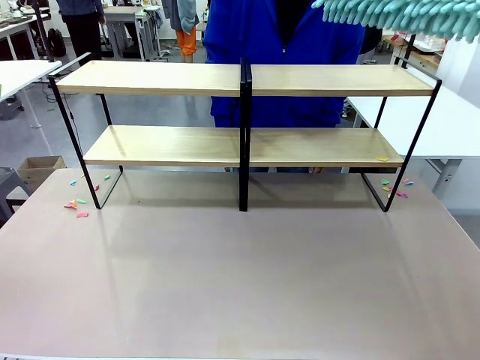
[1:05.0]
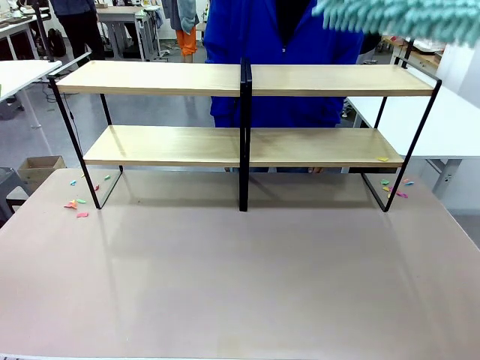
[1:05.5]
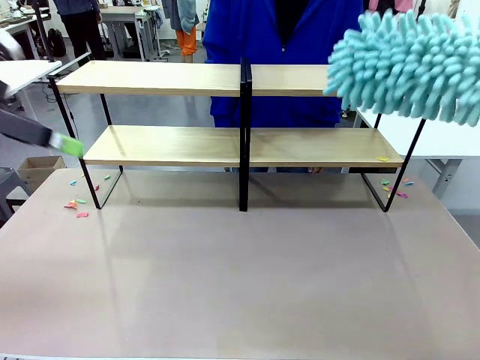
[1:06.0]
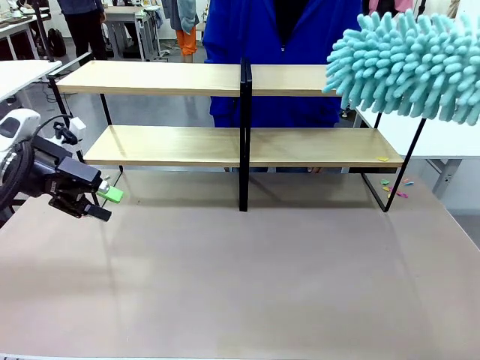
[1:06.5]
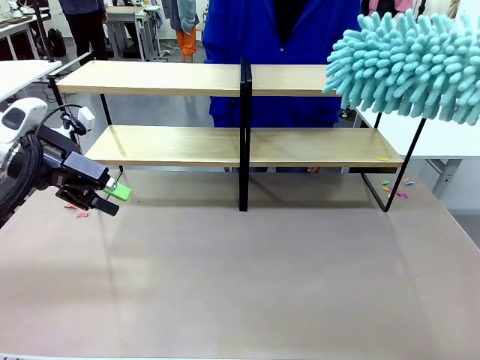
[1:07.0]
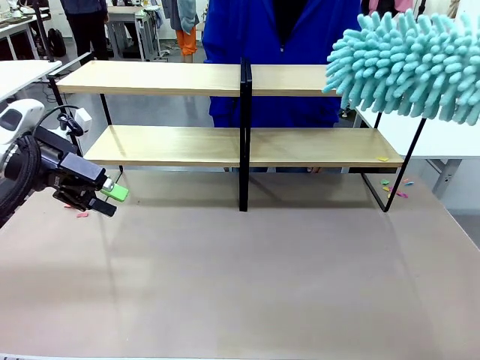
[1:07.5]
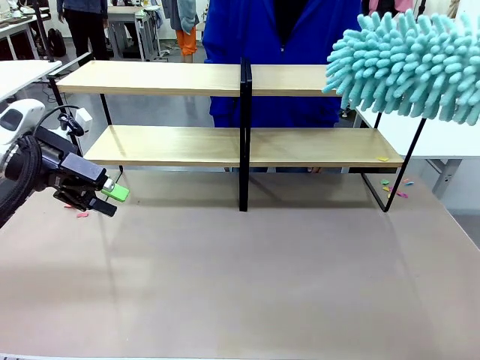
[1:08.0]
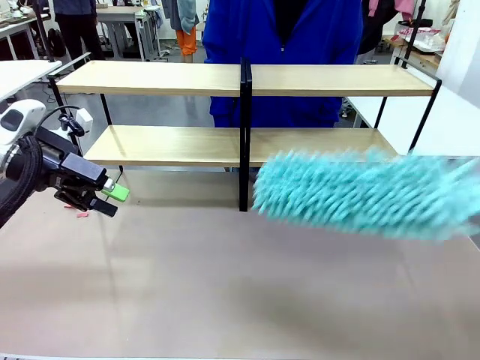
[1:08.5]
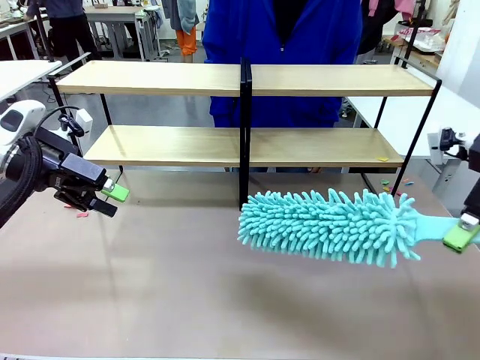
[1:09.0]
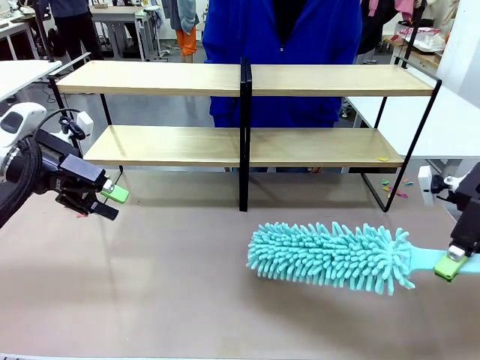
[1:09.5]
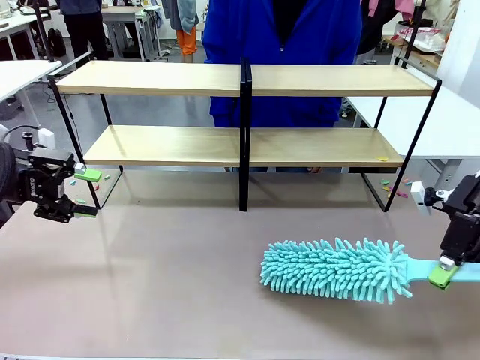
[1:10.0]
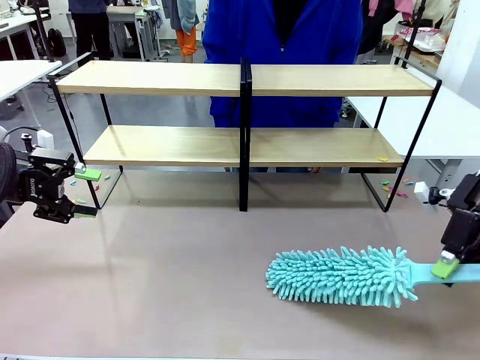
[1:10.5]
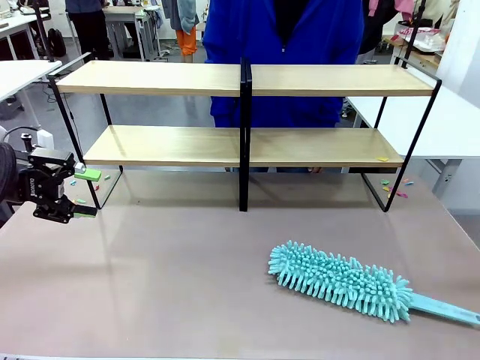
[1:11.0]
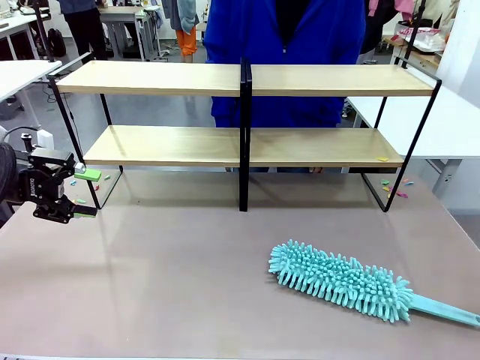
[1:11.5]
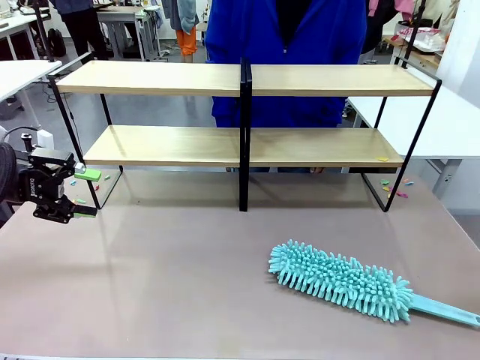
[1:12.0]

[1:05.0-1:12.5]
Task: Clean the shelves.
Robot: Place the Duster on the table.

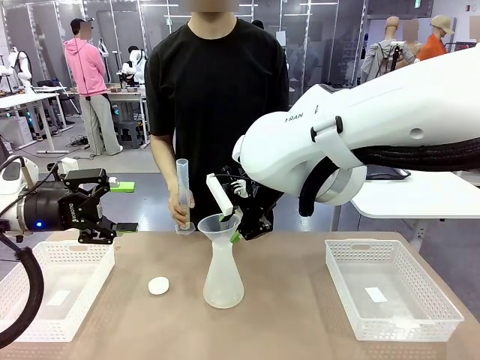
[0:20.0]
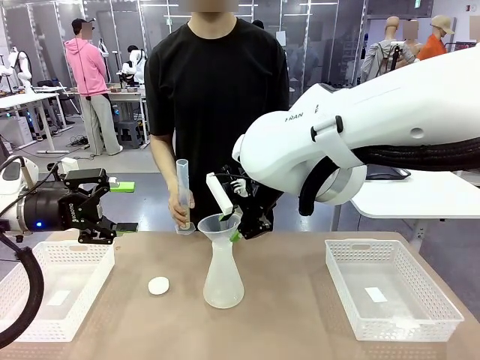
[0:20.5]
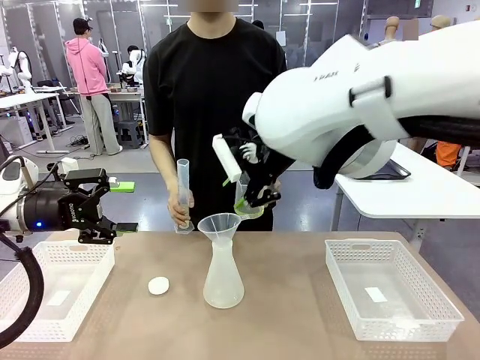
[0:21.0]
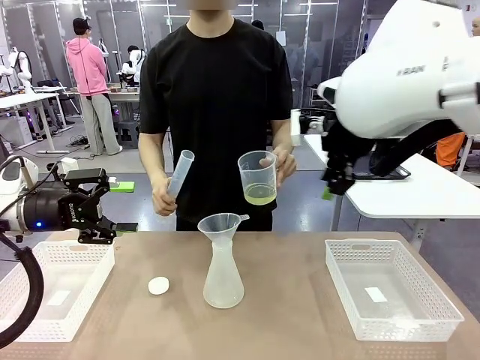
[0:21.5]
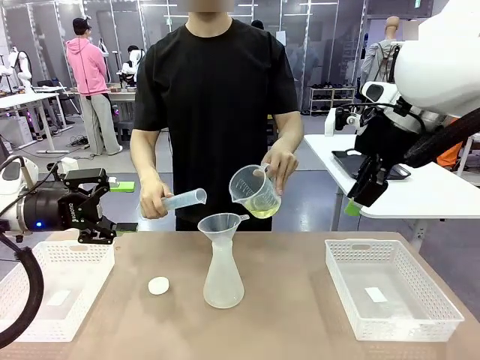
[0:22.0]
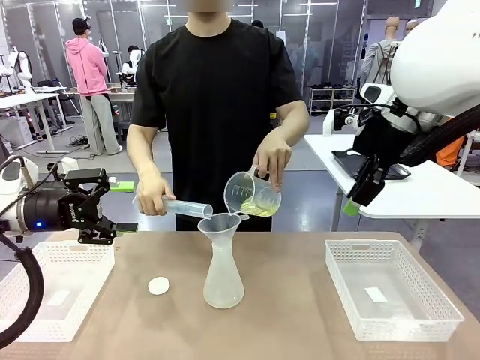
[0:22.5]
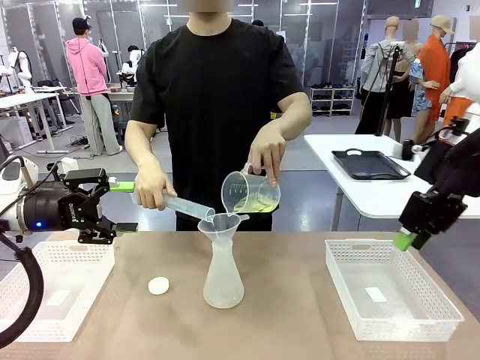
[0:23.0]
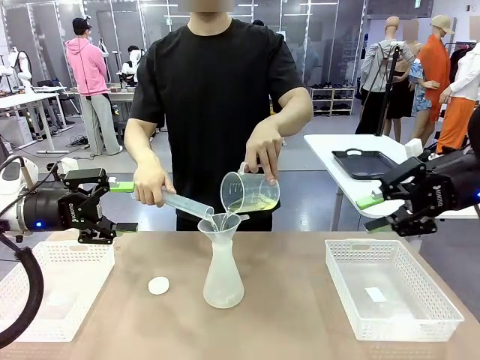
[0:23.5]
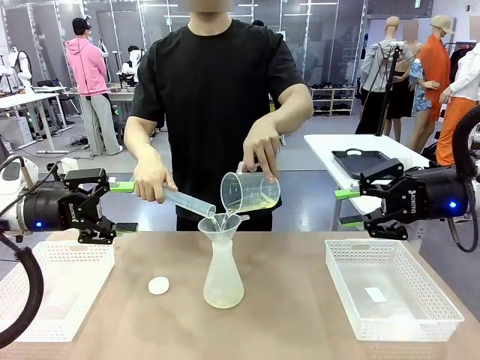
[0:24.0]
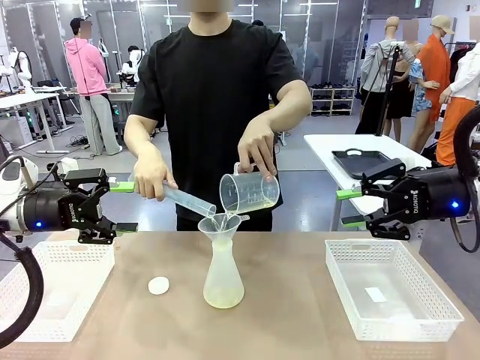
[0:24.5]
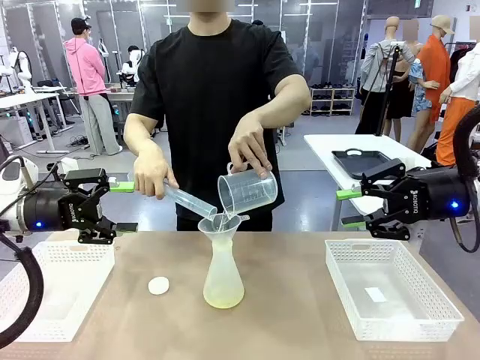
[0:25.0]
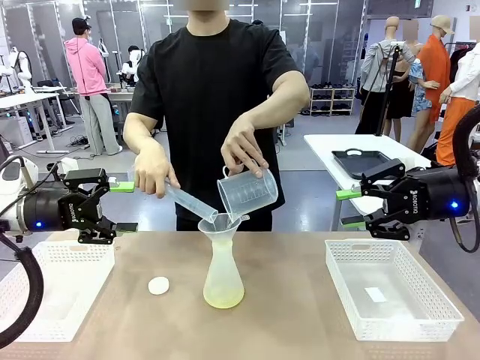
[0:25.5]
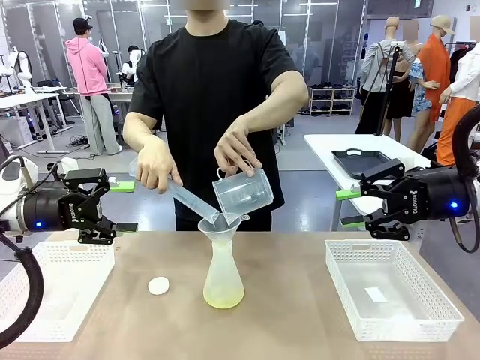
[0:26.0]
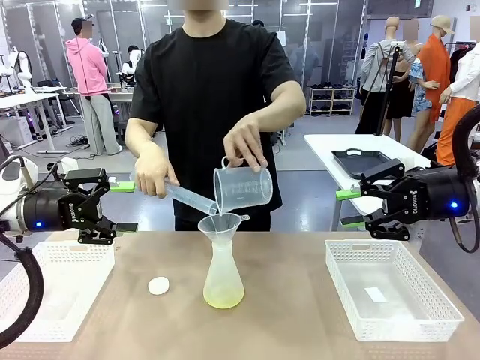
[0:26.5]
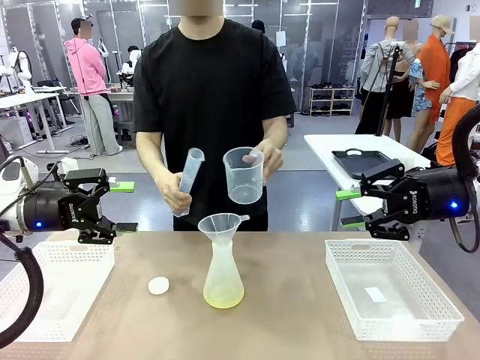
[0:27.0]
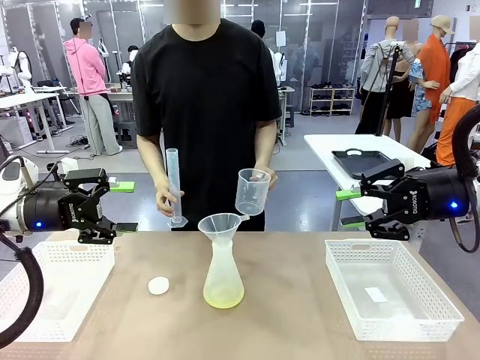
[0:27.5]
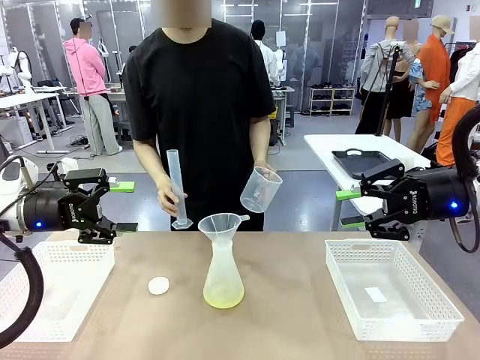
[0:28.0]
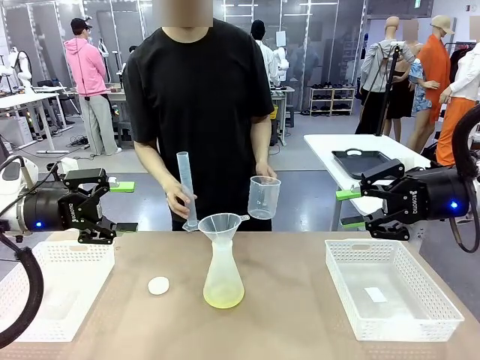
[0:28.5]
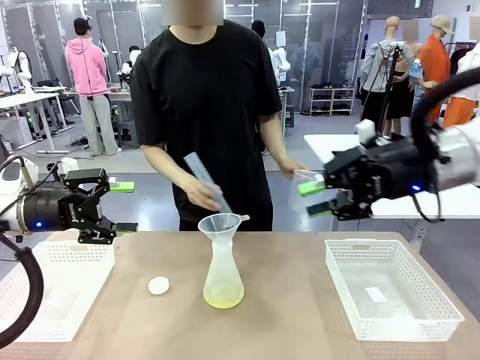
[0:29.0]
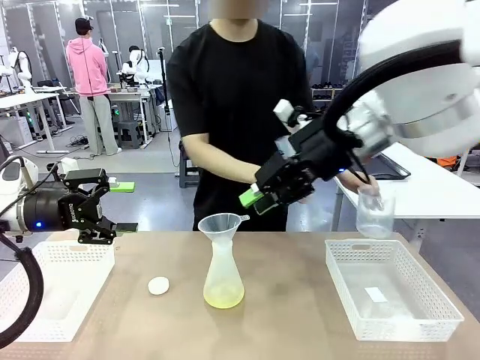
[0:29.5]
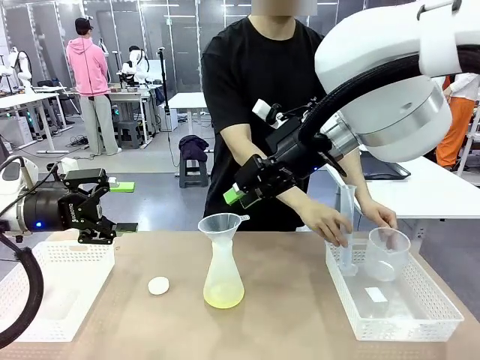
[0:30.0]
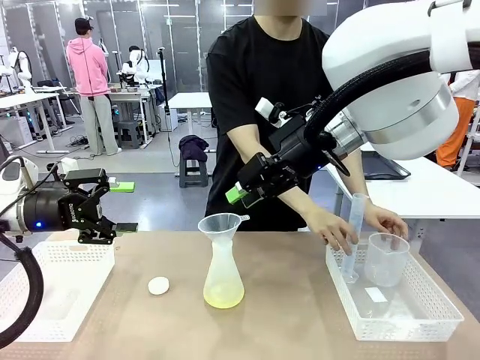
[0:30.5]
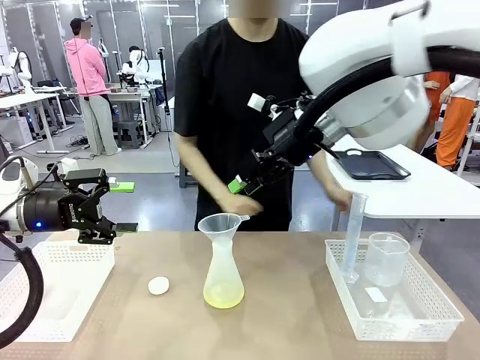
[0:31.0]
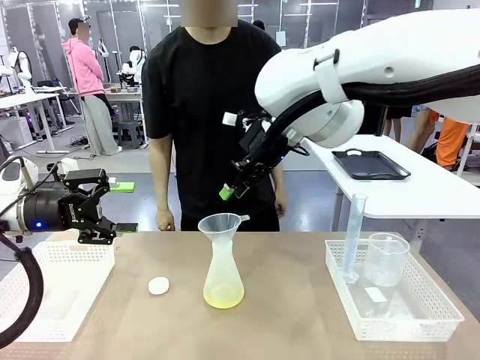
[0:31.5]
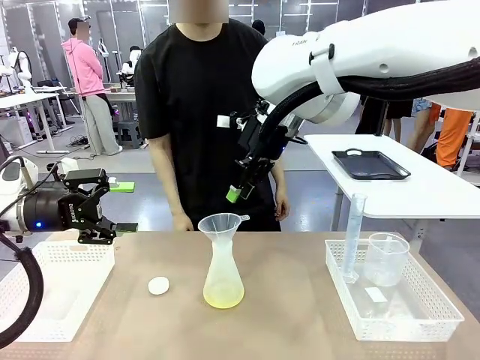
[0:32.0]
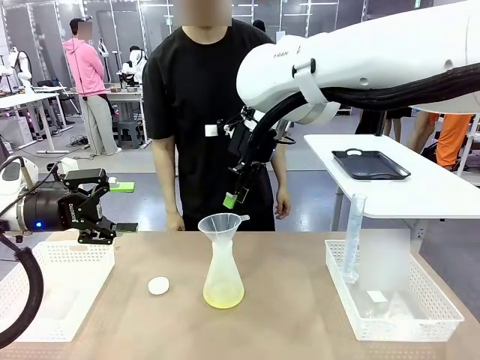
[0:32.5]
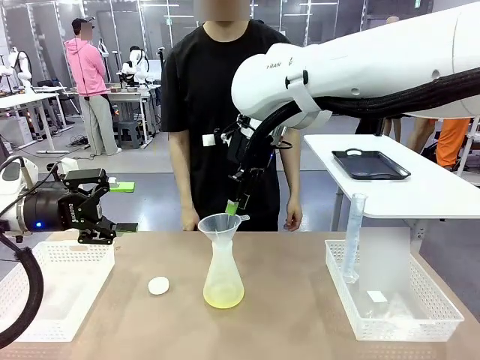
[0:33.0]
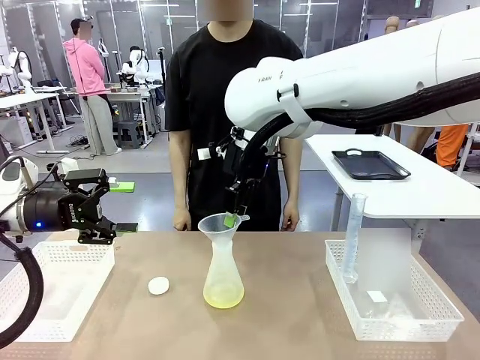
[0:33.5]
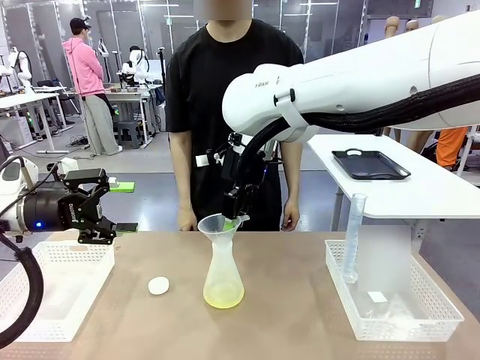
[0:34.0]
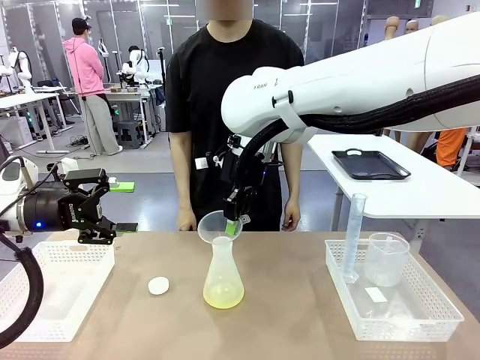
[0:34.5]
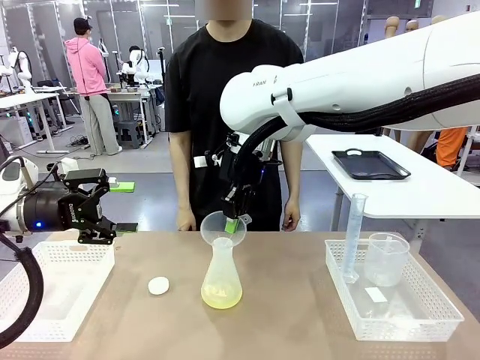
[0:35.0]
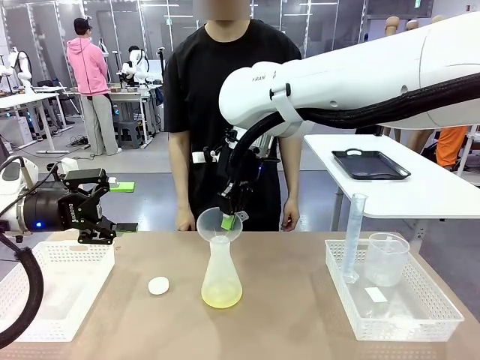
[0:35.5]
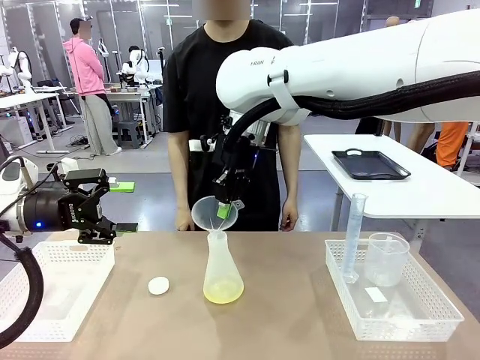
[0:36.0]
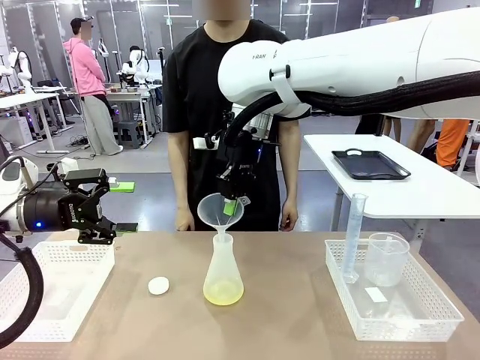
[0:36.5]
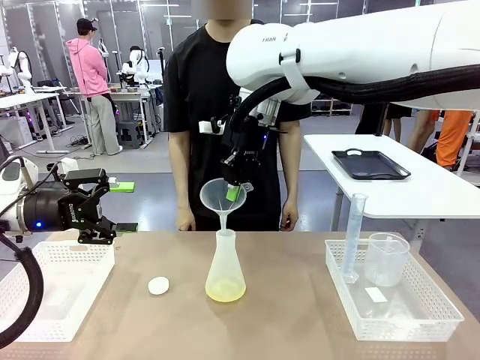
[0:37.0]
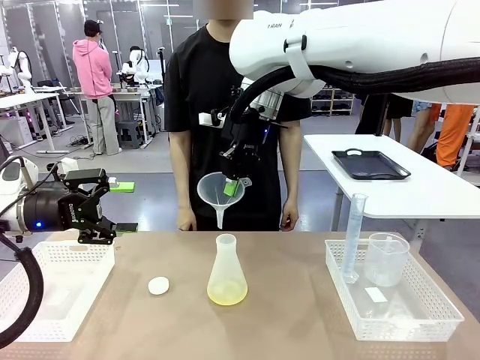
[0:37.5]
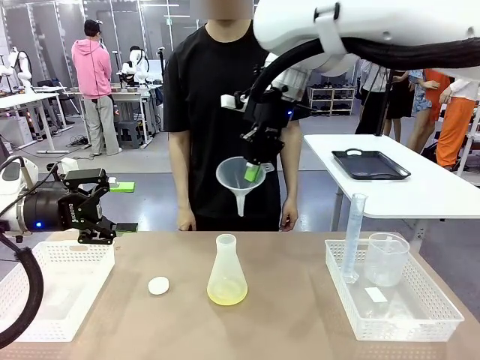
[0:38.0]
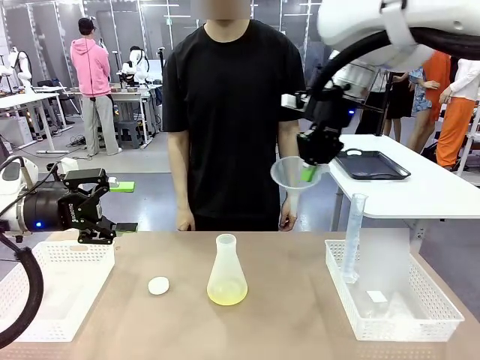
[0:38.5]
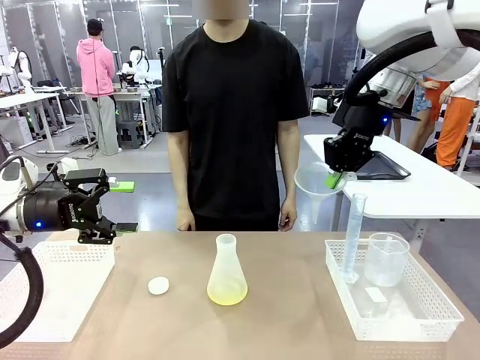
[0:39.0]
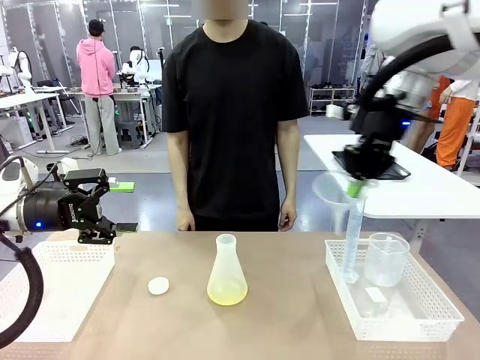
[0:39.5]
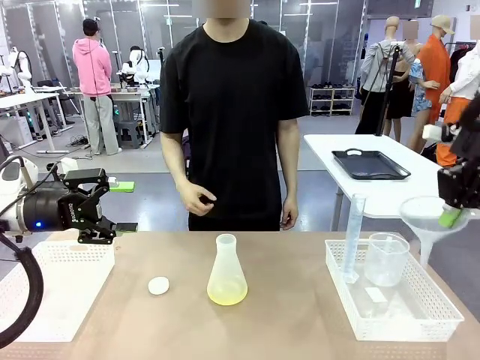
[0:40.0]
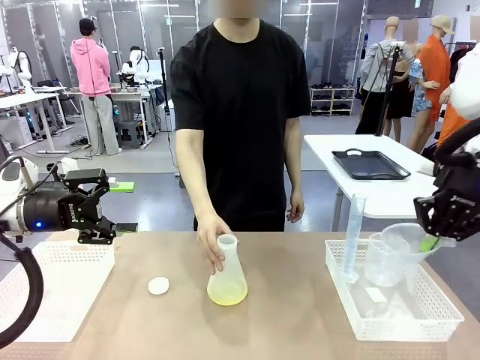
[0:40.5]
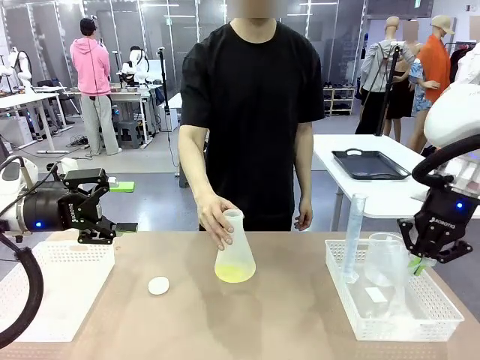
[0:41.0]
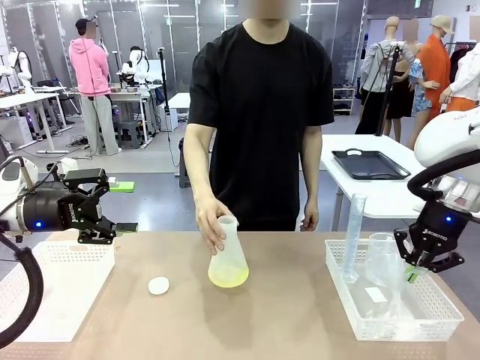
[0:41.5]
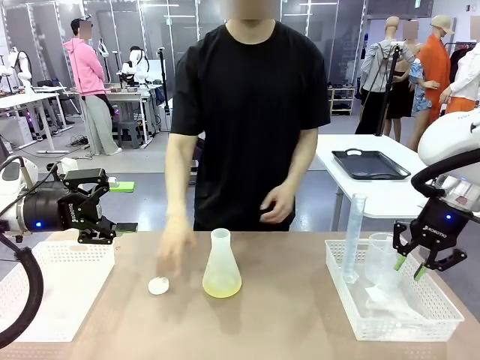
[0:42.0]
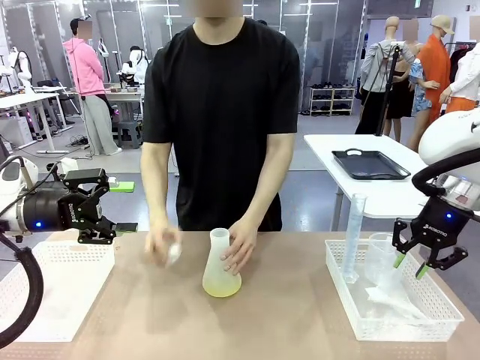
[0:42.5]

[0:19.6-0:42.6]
Task: Prepare the solutions needed for the experiment.
Robot: Once the solution is in the Big flask , pick up the Plastic Funnel and place it back into the right Organizing basket.
Person: Place the beaker and the cylinder into the organizing basket on the left side. Pick up the flask, gently shake it 2–3 times, place it in the middle of the robot table, and close the lid.
